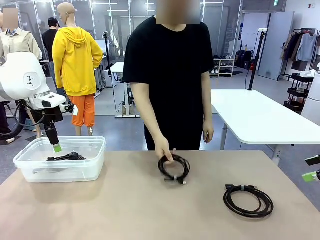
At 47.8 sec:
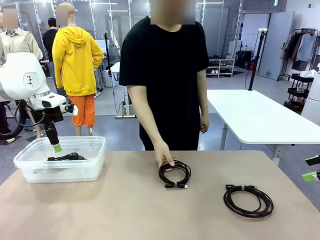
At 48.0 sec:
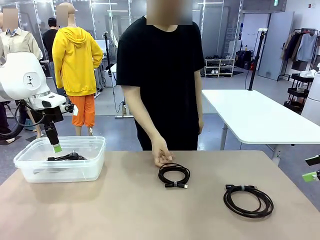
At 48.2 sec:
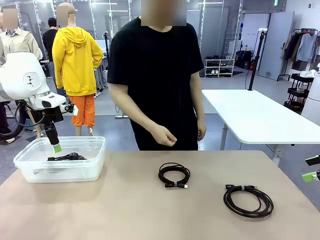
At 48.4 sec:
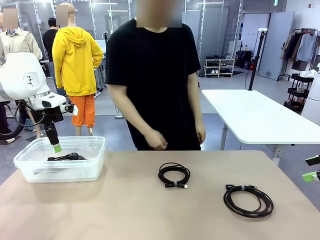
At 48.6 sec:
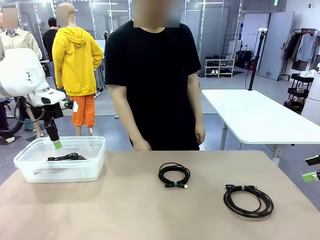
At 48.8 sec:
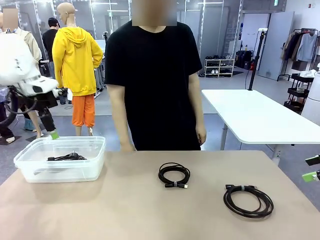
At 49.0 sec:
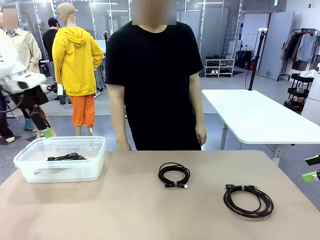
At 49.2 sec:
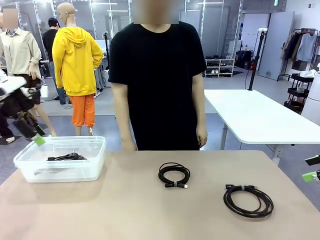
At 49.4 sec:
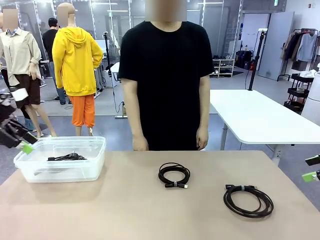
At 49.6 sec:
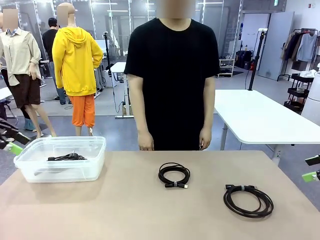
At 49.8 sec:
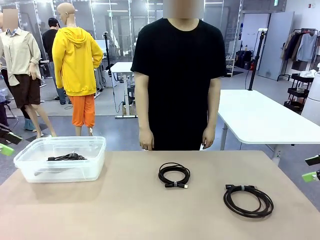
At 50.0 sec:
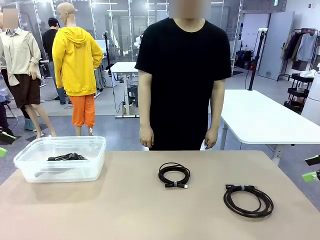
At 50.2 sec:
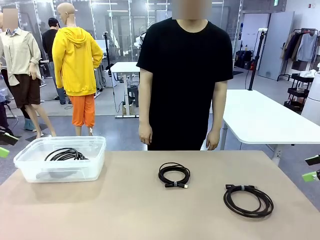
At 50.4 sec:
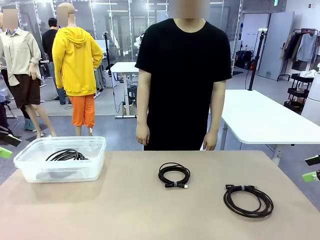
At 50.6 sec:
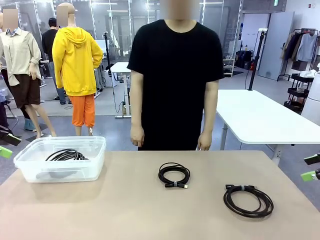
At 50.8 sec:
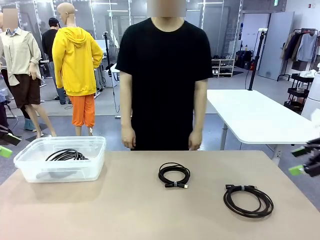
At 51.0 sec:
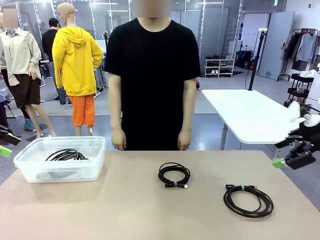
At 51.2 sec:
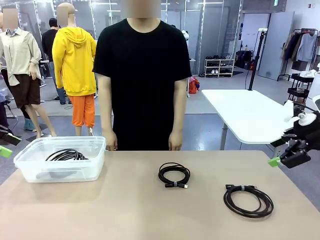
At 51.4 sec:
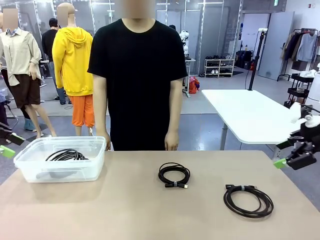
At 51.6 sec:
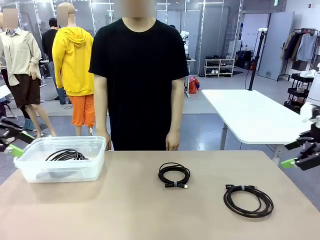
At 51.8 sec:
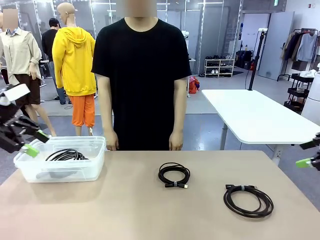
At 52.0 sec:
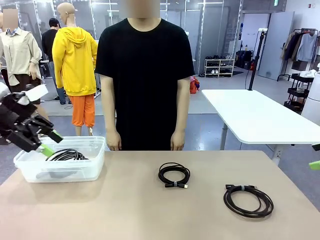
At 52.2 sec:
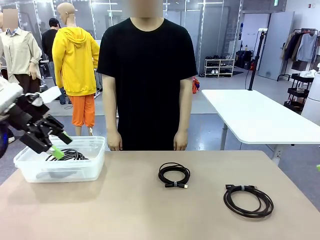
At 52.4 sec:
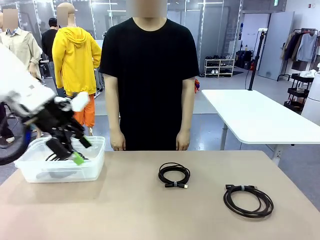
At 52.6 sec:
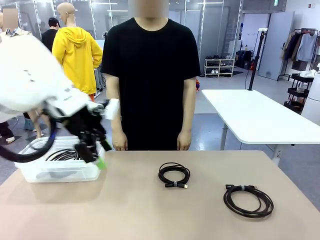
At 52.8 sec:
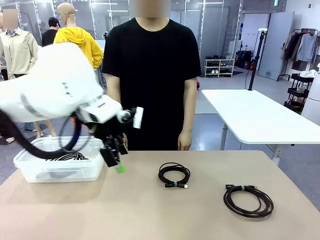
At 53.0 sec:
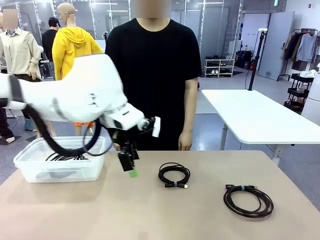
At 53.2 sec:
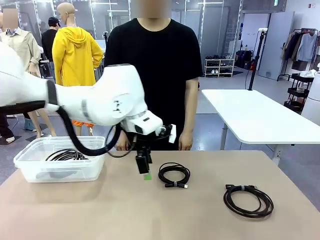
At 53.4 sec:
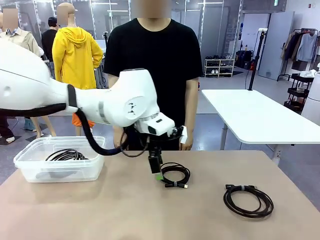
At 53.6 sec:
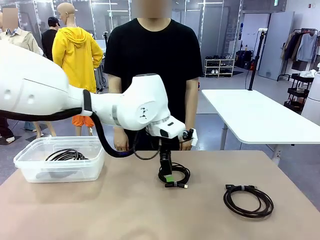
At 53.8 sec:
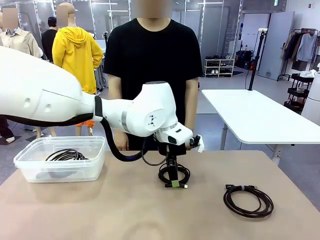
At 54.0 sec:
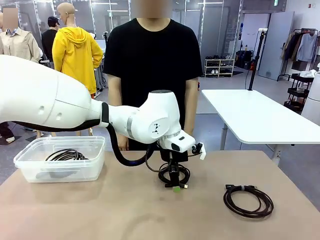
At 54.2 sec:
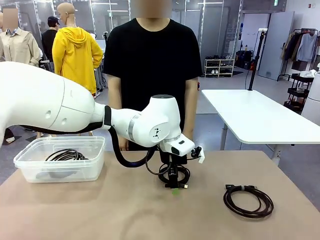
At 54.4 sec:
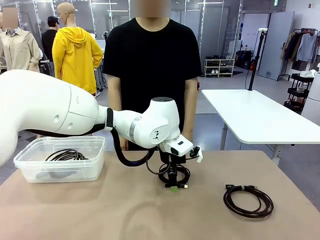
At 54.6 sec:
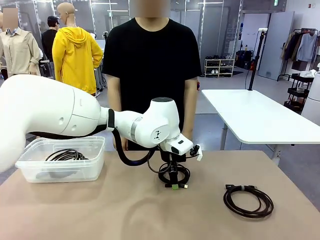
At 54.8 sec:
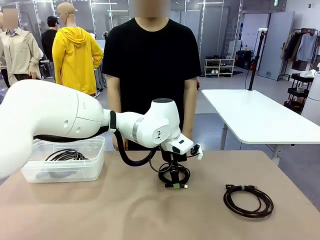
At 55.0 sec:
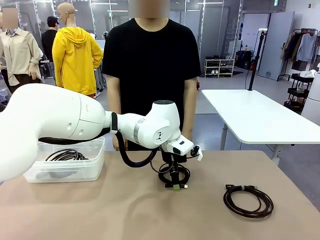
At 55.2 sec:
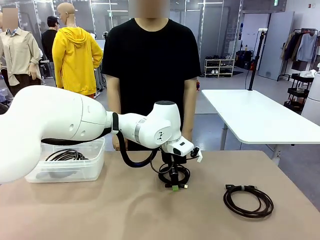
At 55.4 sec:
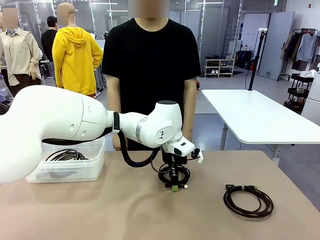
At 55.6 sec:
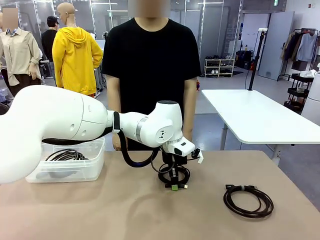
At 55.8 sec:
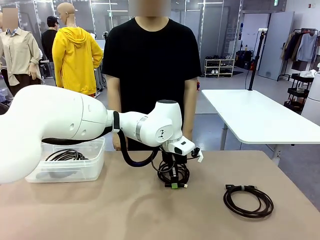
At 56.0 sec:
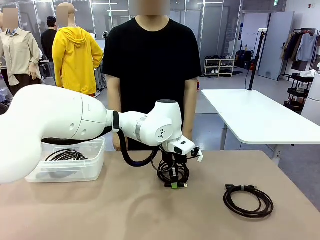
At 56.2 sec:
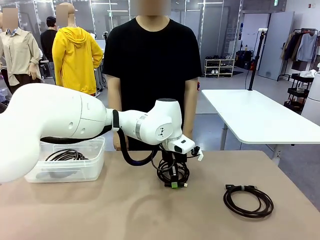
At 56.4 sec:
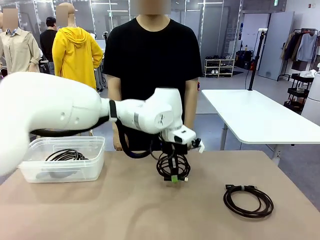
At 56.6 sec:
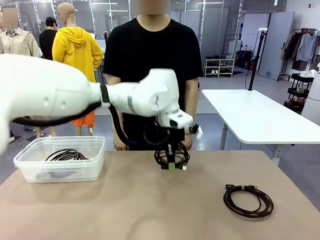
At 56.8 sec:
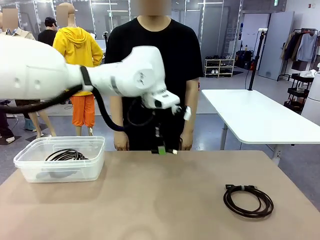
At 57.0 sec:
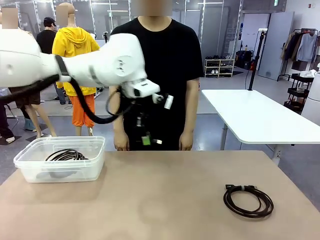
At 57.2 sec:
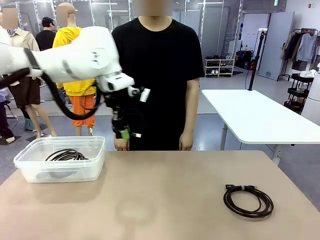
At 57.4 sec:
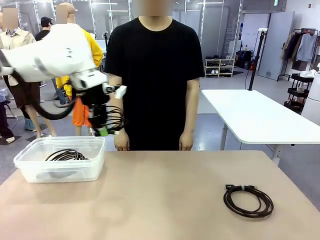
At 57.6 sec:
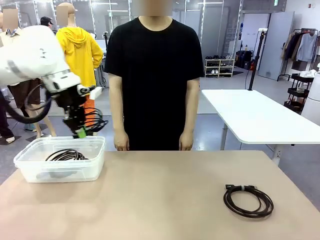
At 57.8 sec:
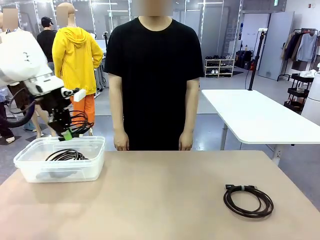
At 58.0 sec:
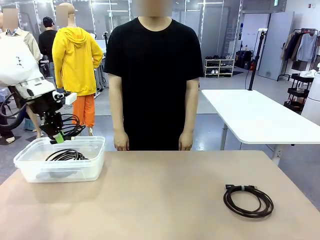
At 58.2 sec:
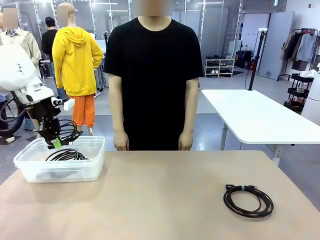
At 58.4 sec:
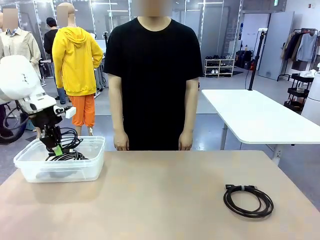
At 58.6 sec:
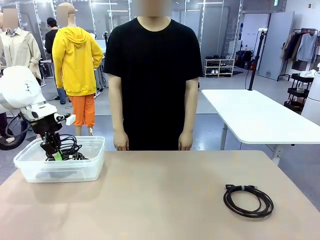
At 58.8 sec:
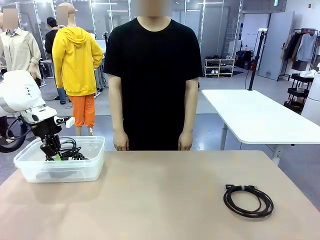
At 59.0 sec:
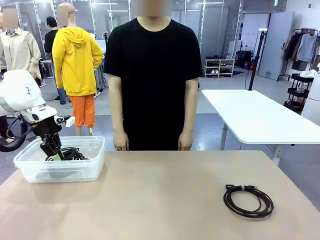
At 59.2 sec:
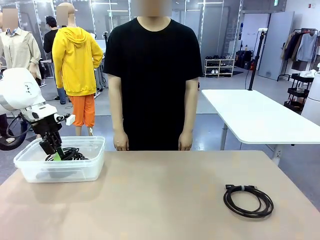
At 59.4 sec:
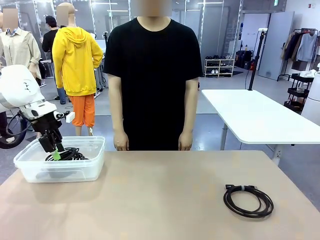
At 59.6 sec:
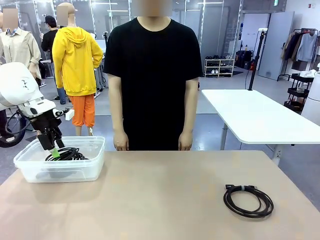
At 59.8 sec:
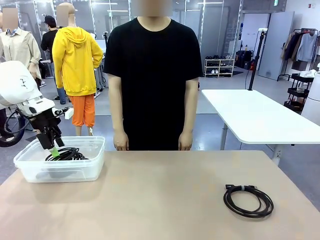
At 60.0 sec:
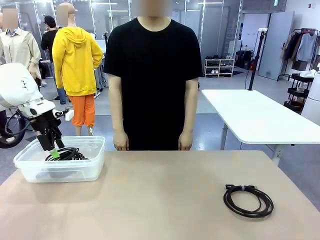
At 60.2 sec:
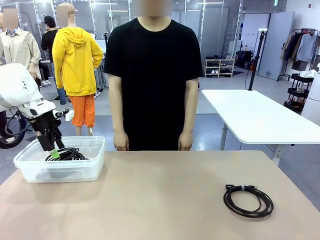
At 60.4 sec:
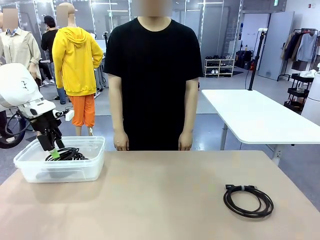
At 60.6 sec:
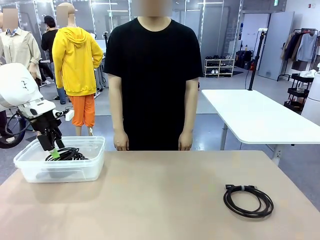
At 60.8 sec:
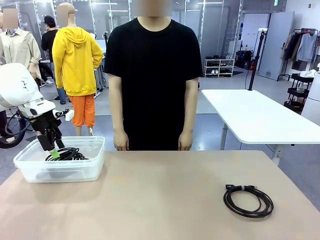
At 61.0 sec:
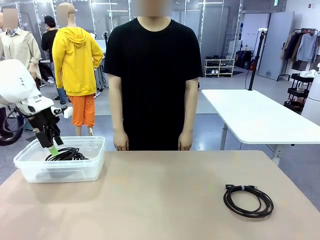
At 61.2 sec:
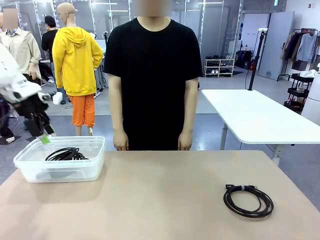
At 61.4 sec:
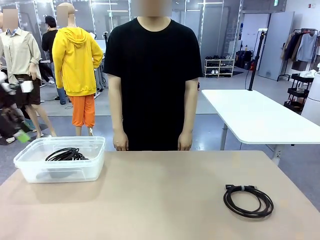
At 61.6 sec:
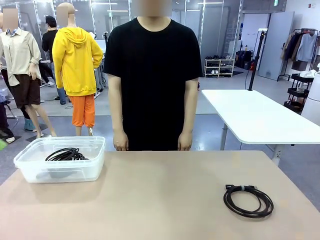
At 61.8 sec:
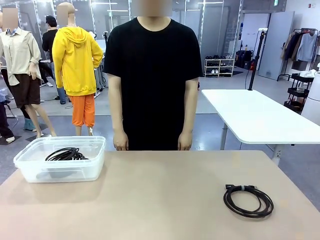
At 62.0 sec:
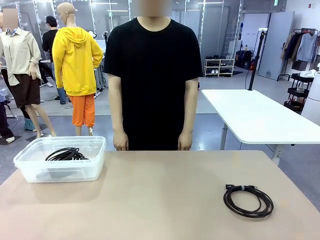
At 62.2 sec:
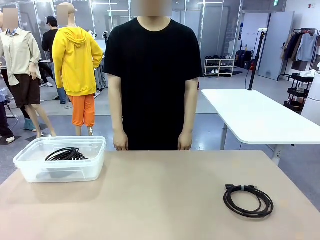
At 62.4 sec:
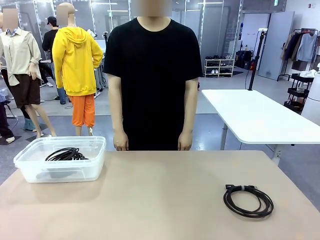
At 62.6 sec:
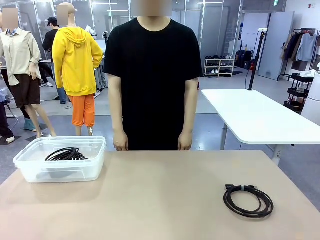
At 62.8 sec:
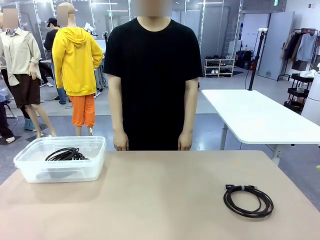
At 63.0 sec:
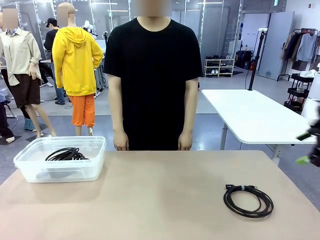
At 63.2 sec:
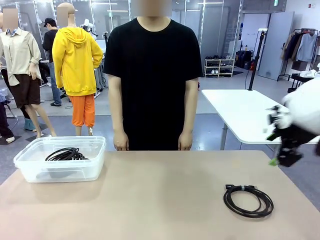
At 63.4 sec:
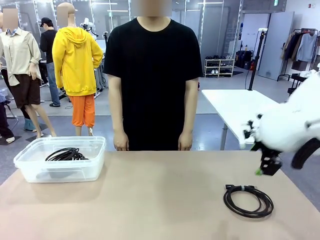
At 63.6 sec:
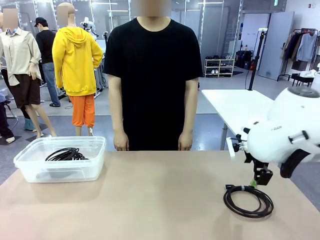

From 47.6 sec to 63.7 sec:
Task: Organize and store the cables.
Robot: Place the USB Extension Cable into the Organizing box.
